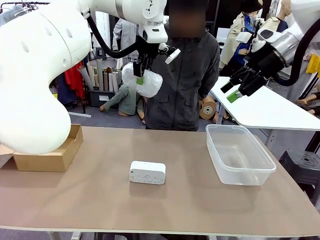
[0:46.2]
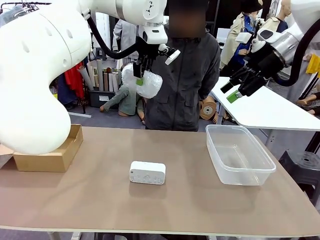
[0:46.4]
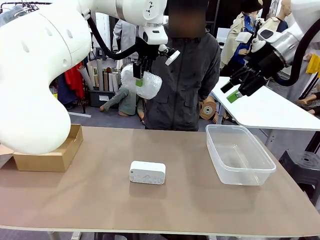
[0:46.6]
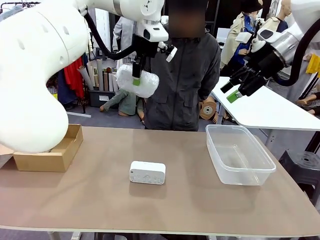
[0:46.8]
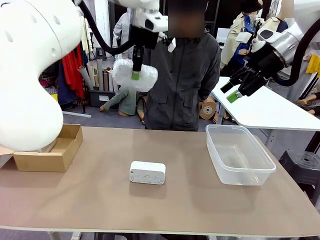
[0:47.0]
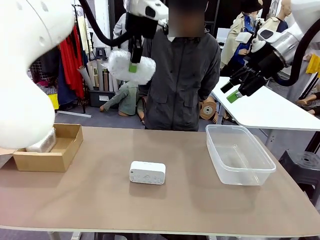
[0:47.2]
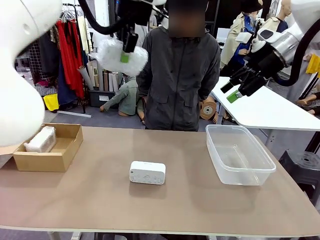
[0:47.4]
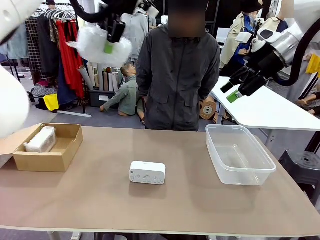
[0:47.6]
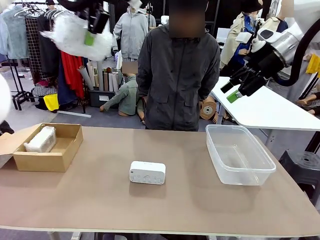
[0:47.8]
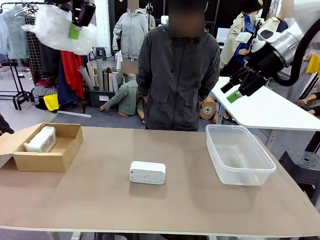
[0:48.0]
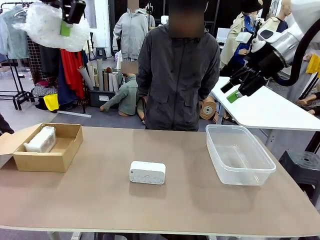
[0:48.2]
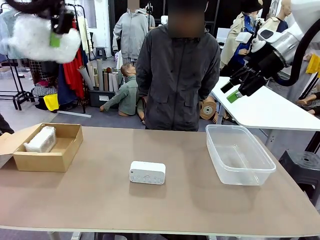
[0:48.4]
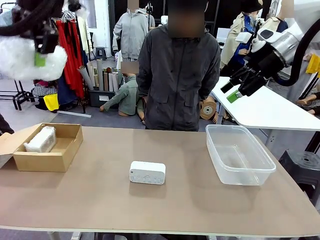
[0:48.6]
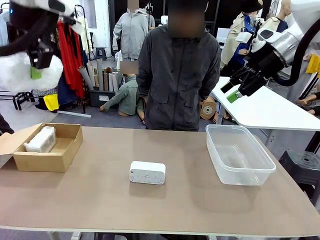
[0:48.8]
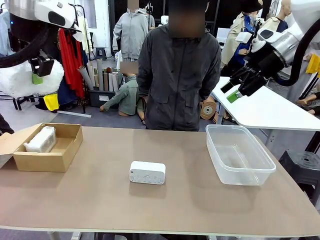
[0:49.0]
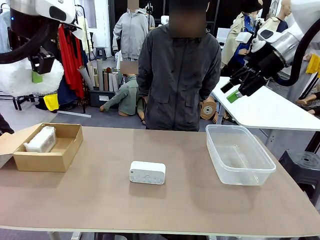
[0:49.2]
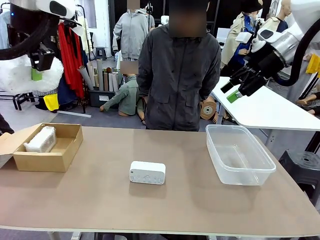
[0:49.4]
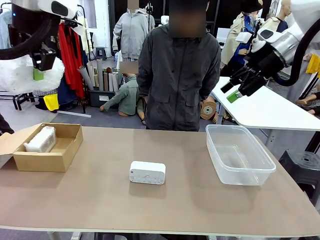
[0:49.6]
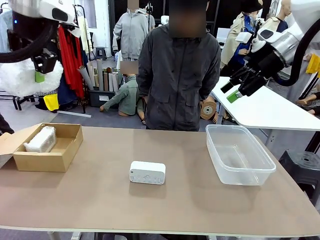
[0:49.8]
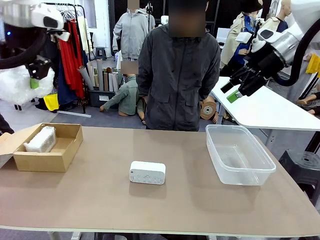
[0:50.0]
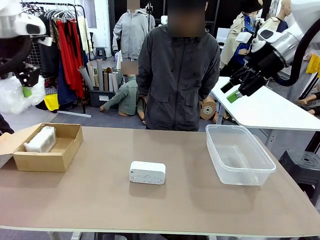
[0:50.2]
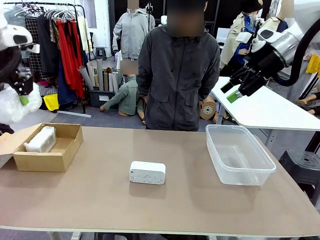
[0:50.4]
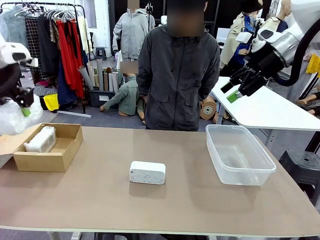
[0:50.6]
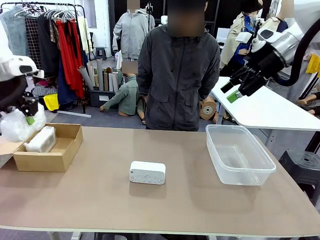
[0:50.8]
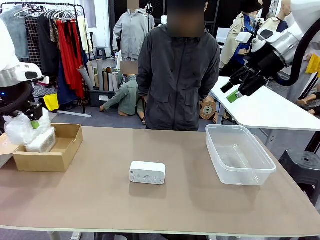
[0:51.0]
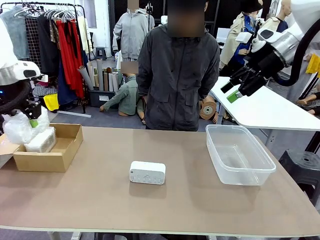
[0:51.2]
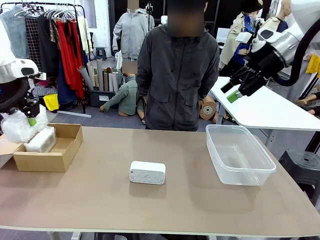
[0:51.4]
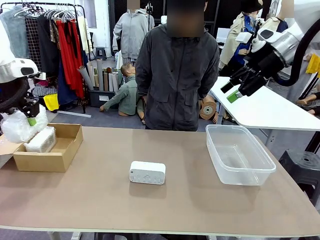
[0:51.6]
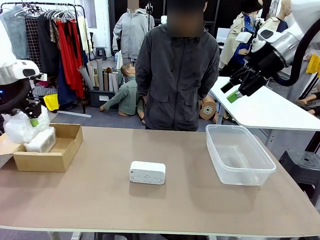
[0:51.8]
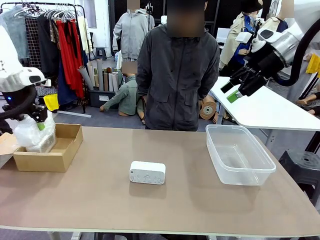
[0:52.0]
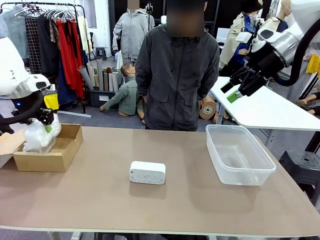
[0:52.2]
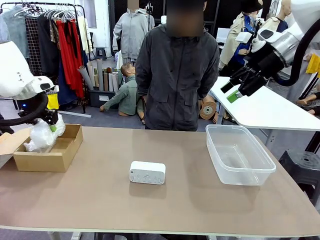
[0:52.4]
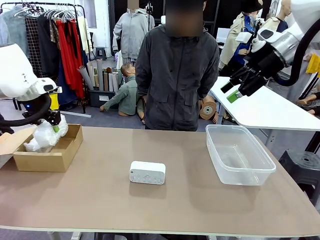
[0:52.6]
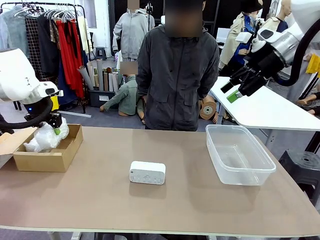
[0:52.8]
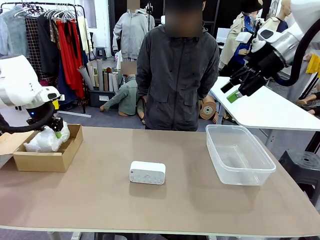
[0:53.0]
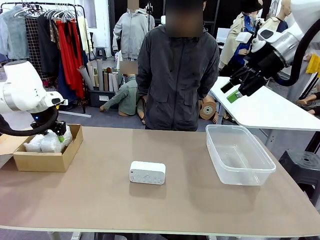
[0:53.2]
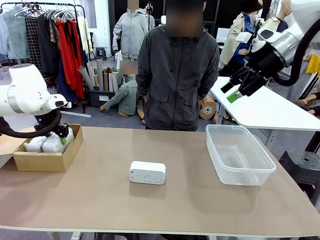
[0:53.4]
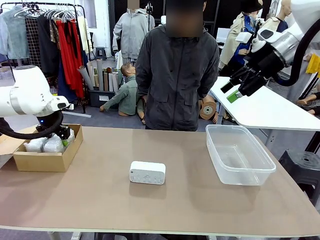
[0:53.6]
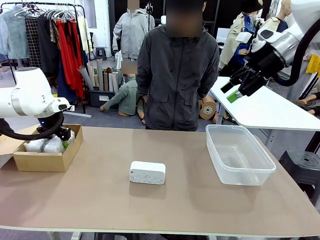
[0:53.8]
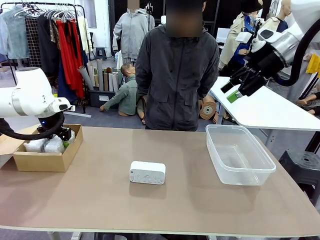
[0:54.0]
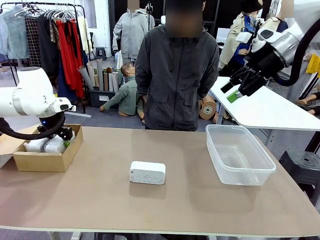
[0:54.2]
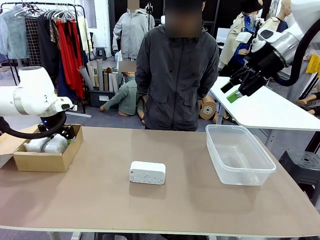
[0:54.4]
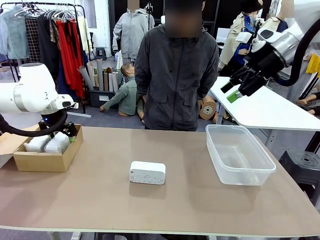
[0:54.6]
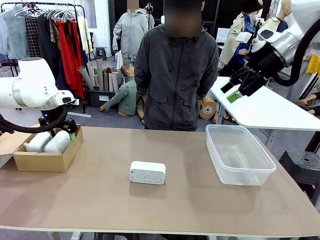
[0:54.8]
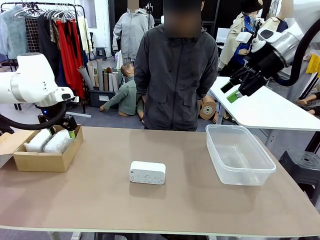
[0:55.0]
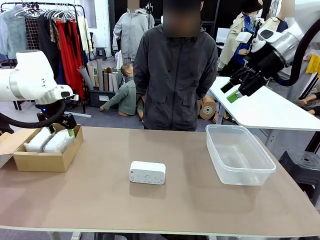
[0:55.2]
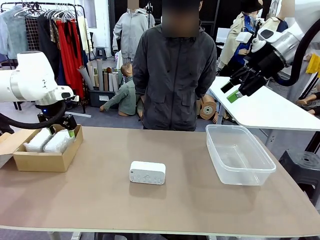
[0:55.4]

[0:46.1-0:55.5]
Task: Separate and place wrapped and unwrapped clocks.
Robot: If the picked Digital clock is wrapped, place it in the Package Box ; if not, place it in the Organizing box.

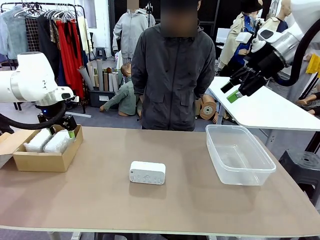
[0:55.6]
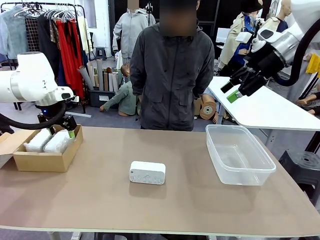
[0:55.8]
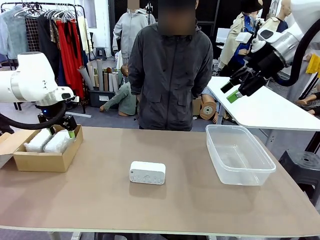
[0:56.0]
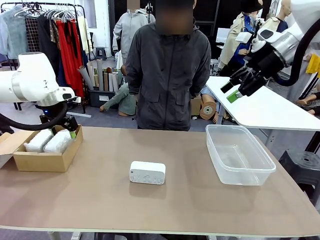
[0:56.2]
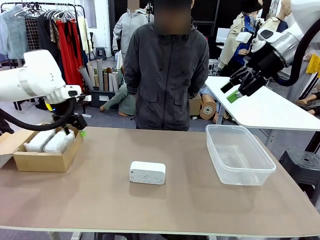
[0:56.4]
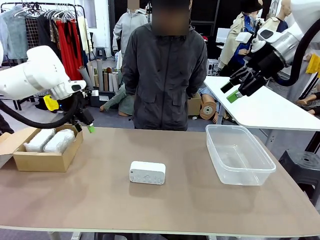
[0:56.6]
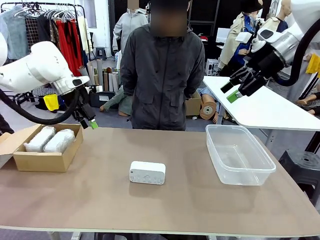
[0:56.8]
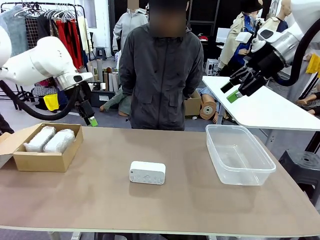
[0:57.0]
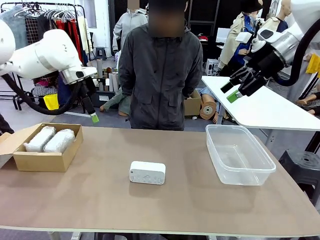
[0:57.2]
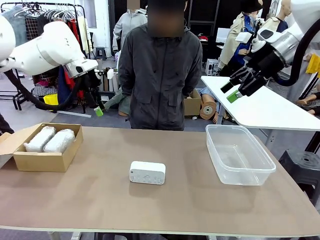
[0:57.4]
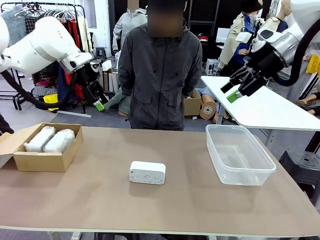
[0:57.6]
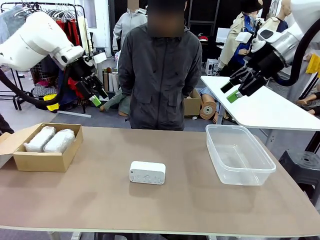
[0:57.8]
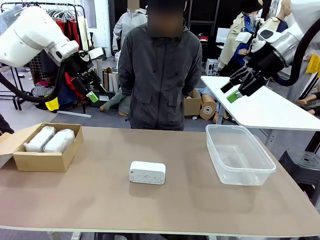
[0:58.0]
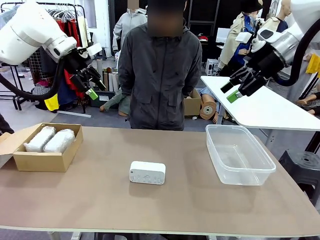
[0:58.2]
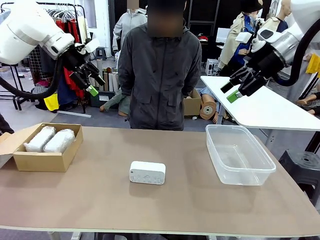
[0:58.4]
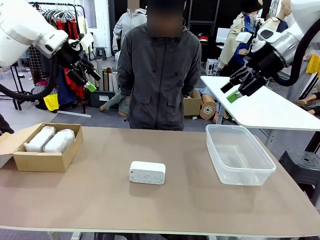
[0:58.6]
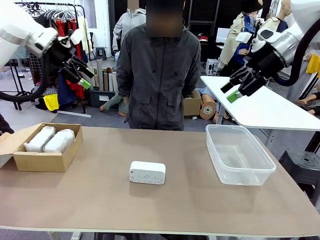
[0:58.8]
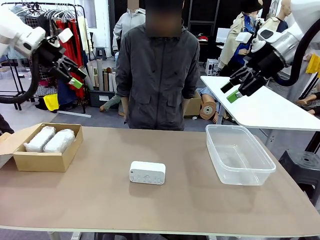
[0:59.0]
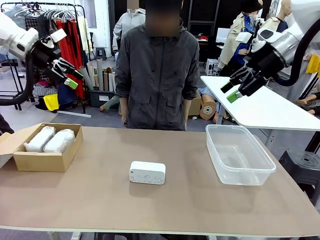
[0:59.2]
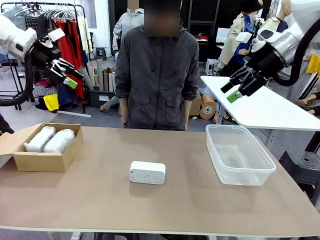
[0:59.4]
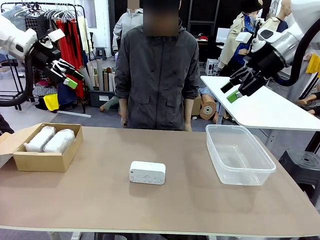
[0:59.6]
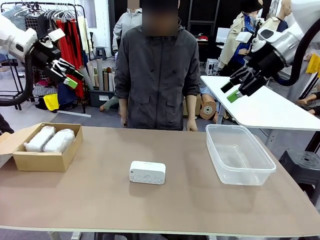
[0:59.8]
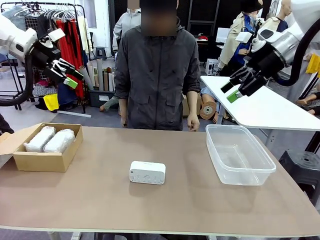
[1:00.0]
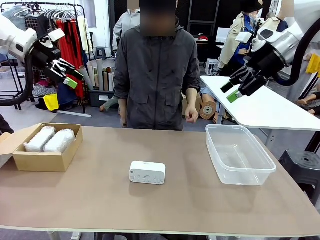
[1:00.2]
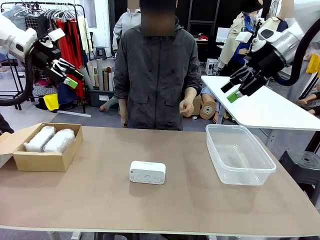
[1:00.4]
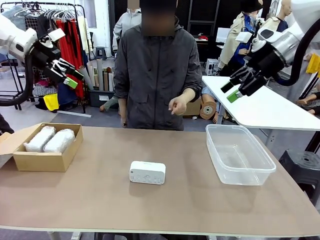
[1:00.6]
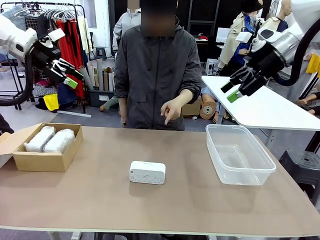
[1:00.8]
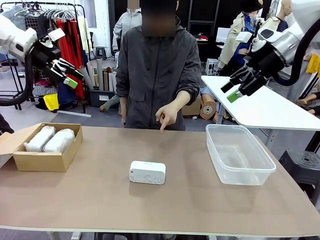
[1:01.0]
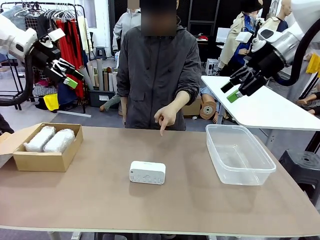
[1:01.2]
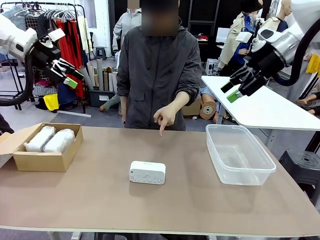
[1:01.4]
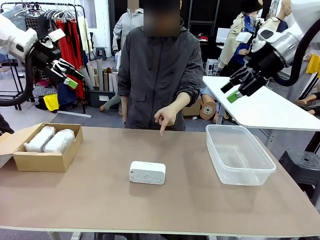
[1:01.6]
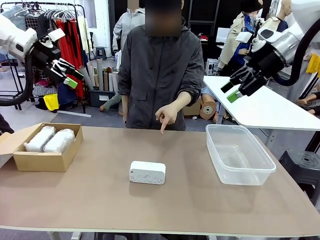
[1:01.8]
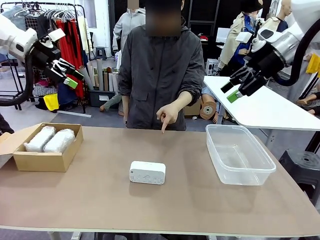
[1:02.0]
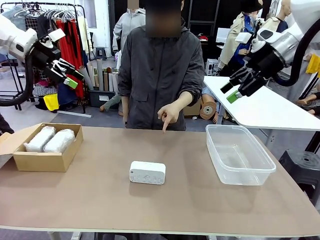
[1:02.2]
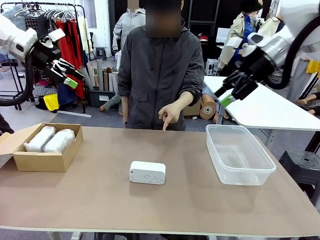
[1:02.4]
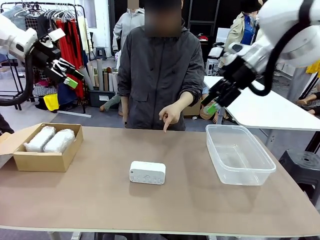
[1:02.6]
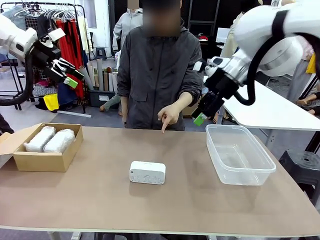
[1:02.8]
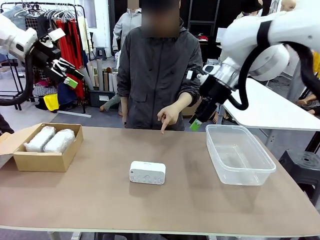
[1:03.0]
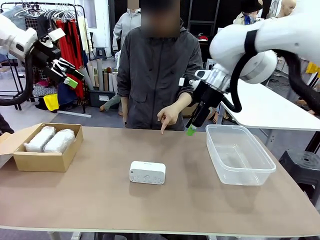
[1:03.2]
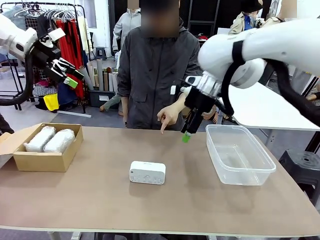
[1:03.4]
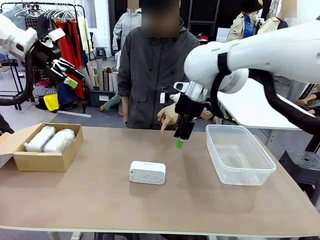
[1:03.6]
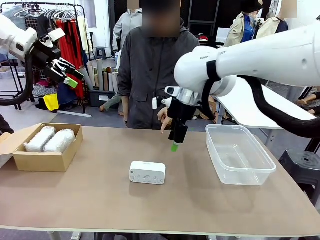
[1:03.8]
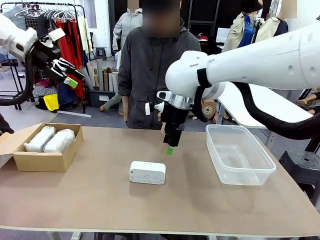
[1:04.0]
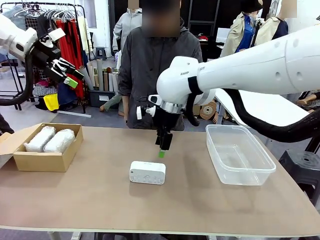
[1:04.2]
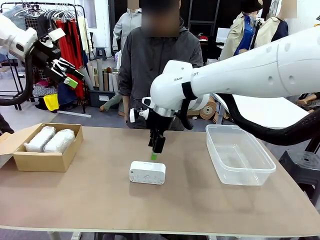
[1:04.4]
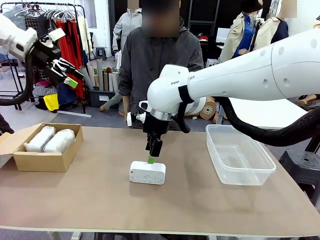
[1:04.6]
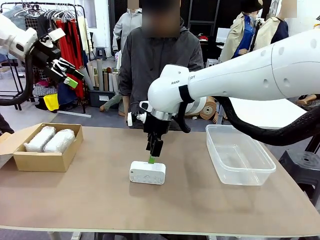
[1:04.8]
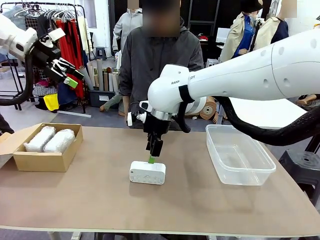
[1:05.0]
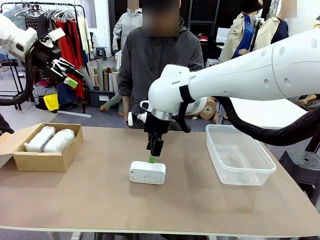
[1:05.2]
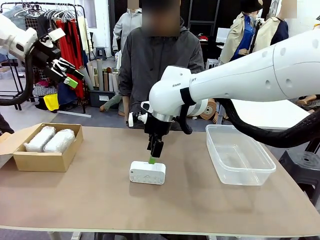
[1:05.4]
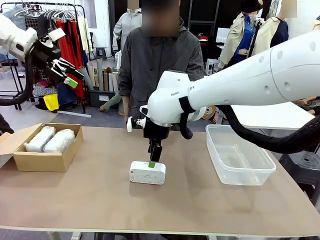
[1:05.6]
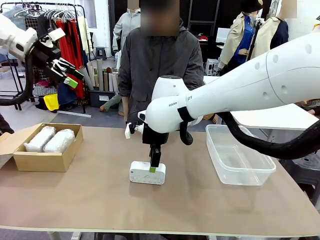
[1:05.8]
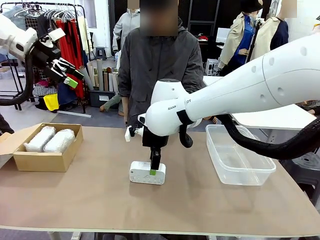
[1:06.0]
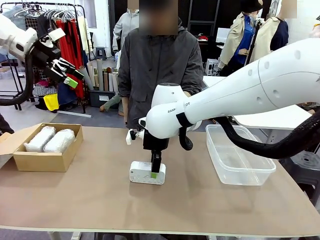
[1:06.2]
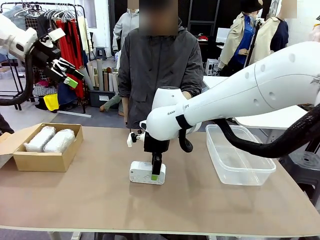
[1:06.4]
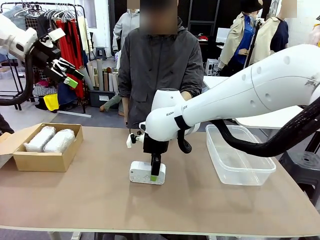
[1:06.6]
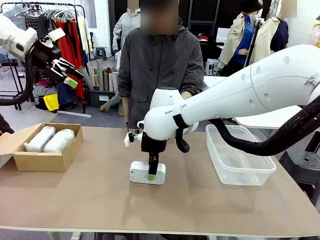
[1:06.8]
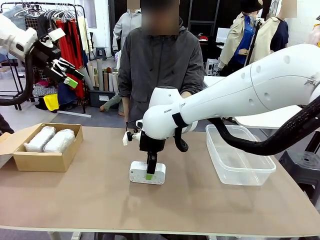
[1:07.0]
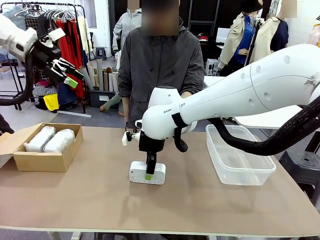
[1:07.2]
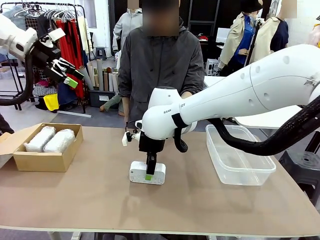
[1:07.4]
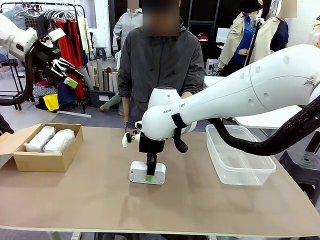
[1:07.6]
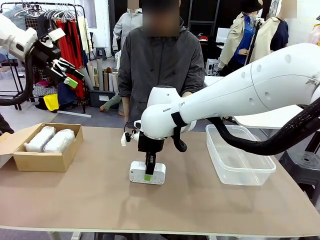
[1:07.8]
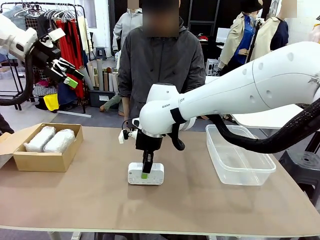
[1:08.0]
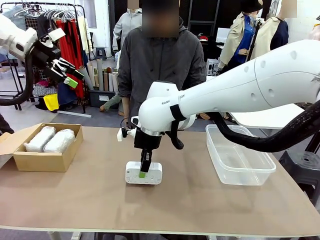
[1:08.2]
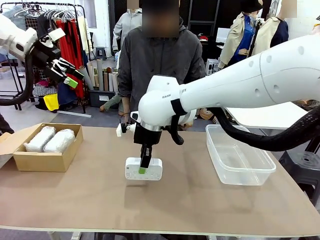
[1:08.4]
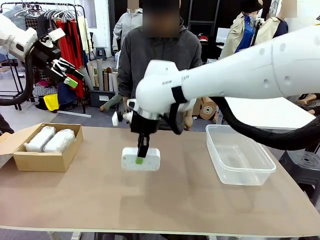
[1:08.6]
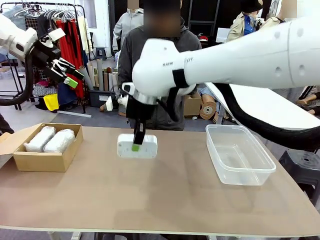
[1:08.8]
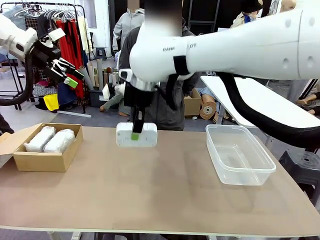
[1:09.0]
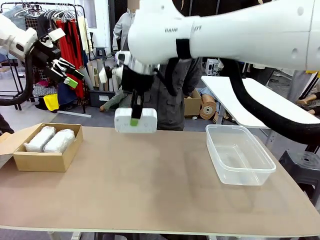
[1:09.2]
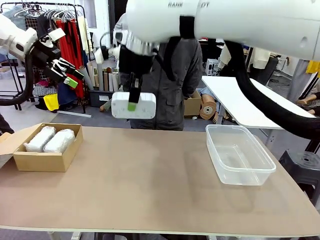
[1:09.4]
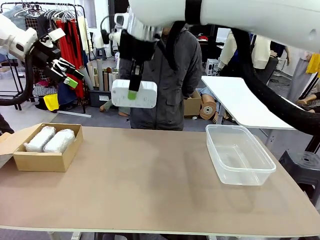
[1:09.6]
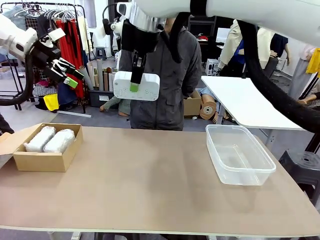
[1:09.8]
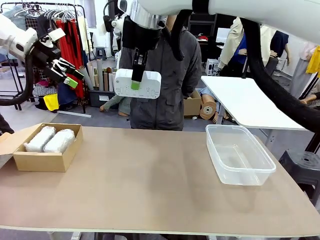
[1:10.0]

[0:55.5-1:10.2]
Robot: Pick up the Digital clock indicated by the person.
